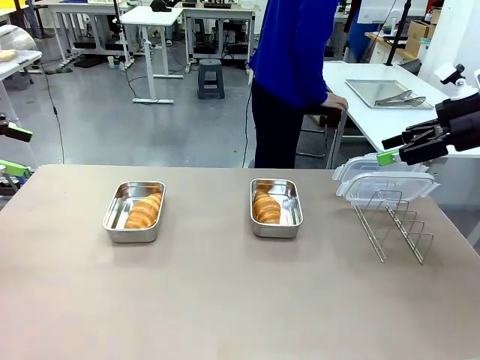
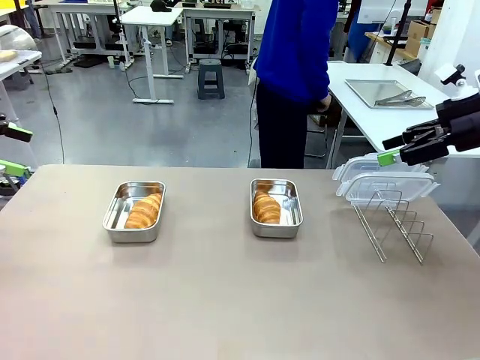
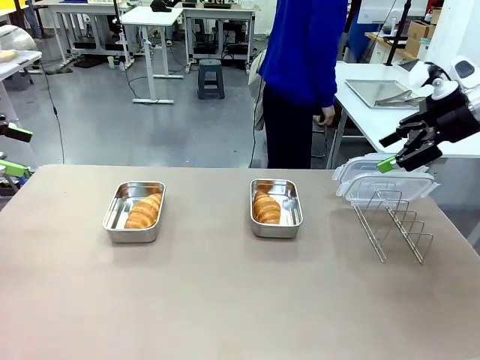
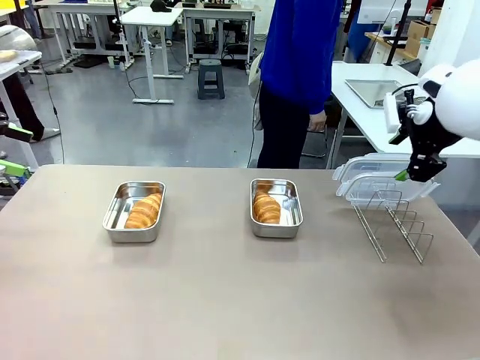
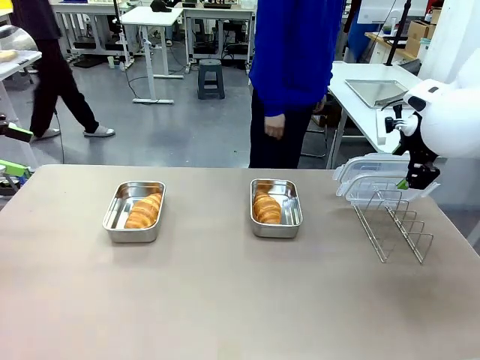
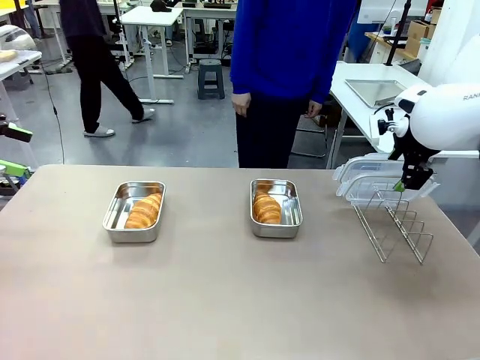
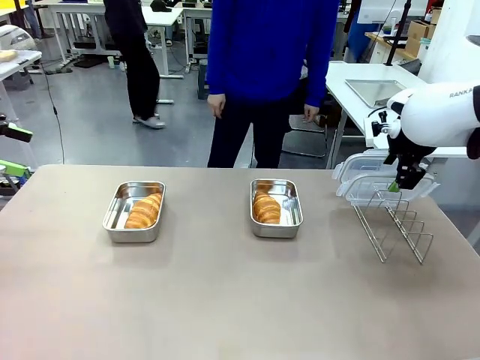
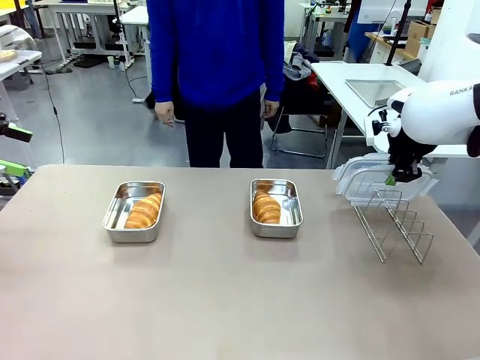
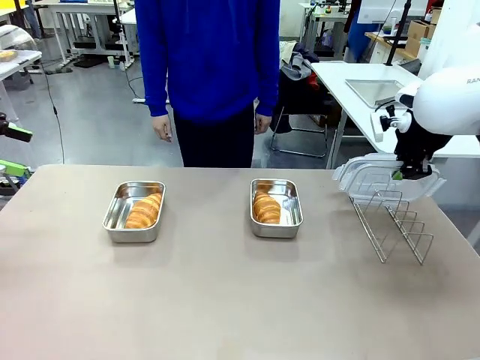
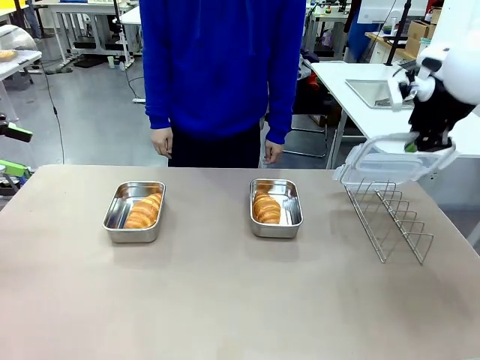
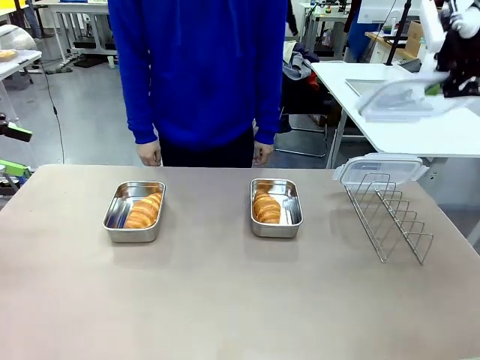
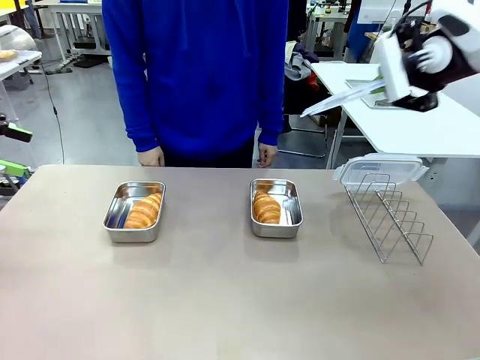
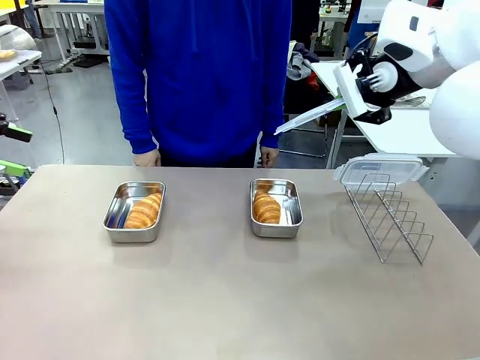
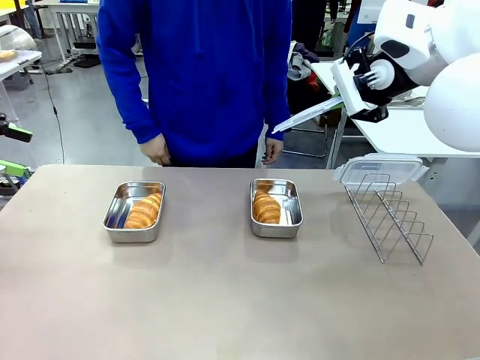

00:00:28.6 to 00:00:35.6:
Task: Place the bread in airtight containers.
Robot: Pick up one Airtight Container lid and hand it to the human.
Person: Grip Airtight Container lid that robot is handing.

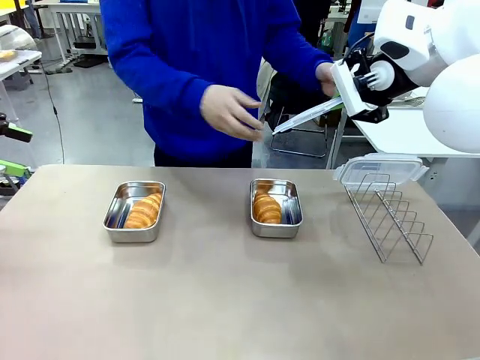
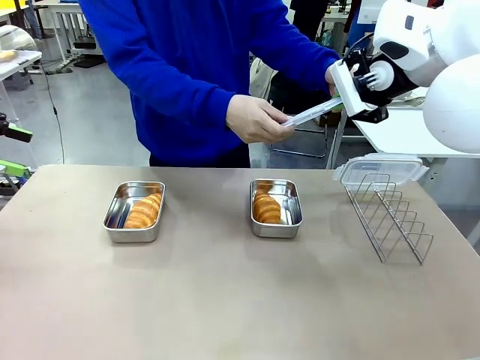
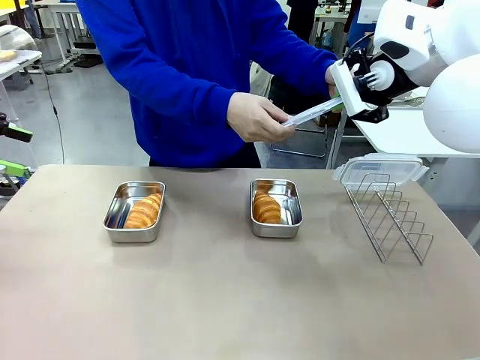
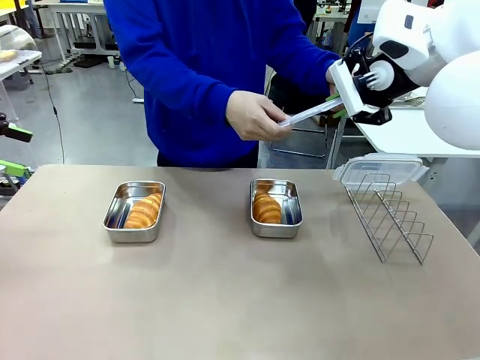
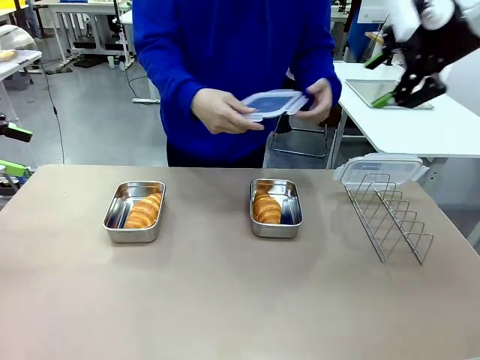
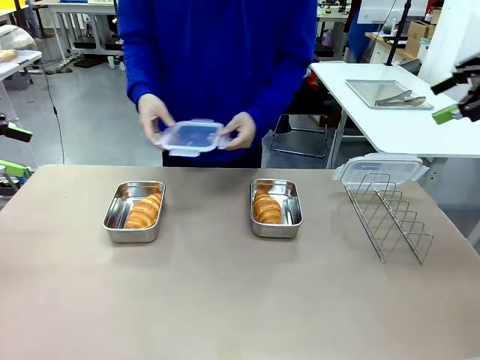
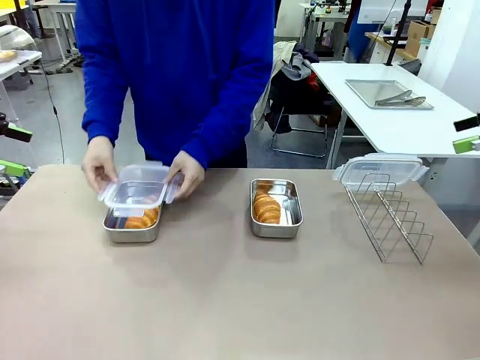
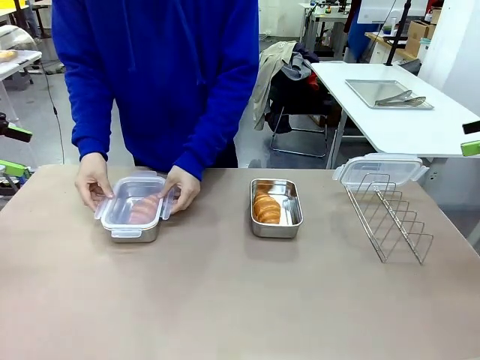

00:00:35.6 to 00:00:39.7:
Robot: Release when the human grabs the Airtight Container lid.

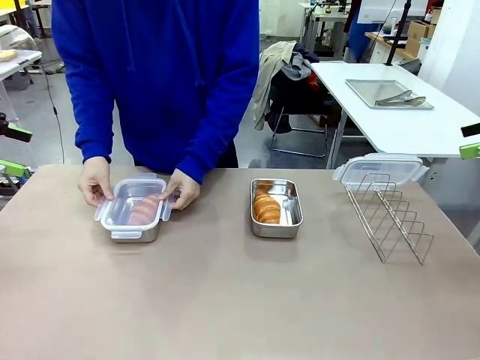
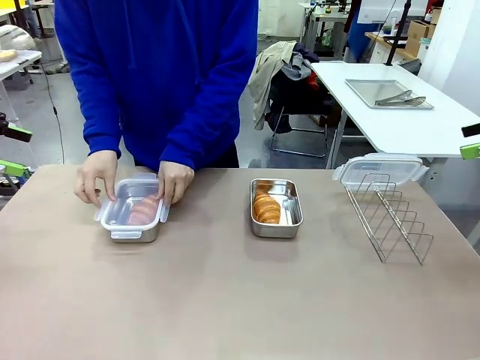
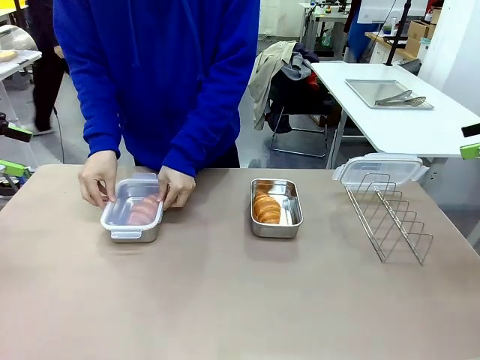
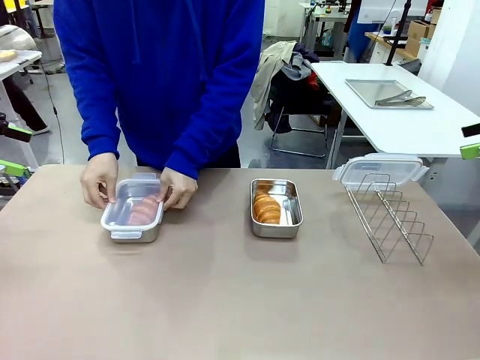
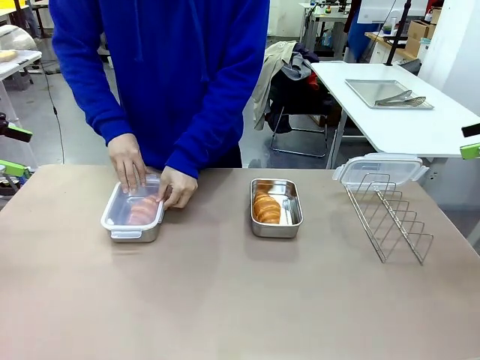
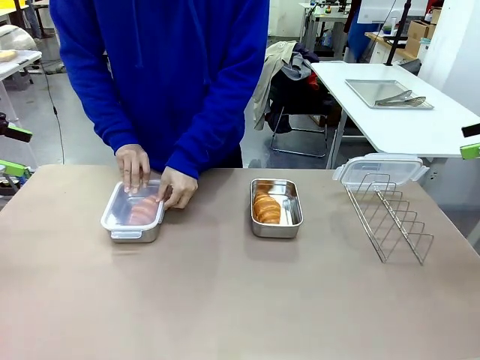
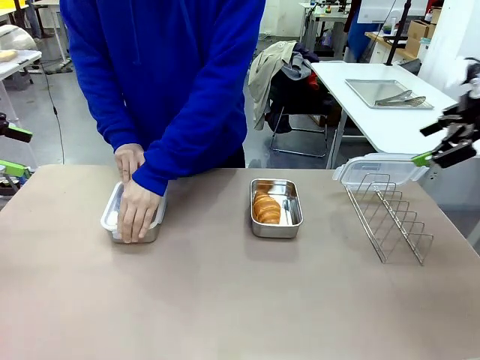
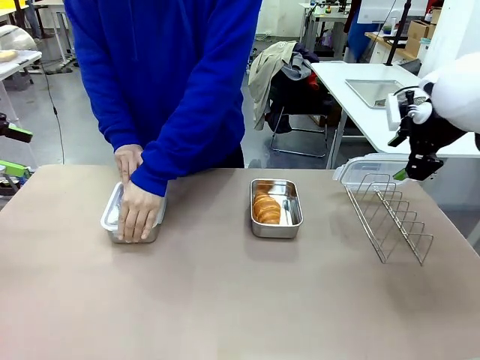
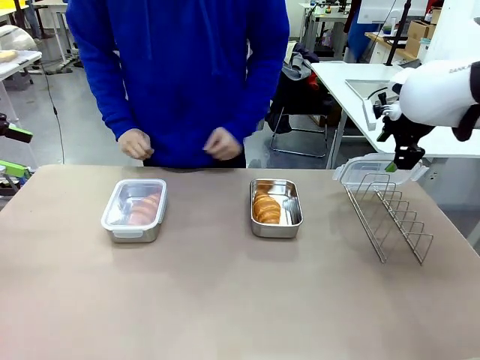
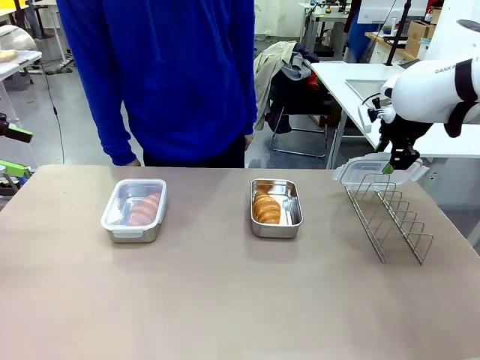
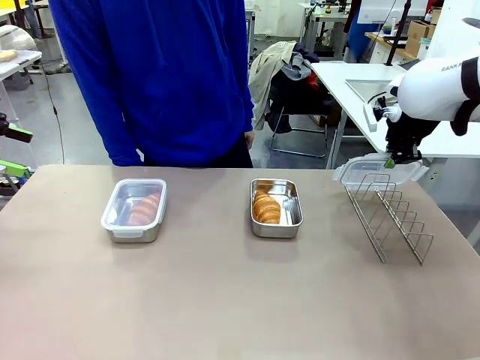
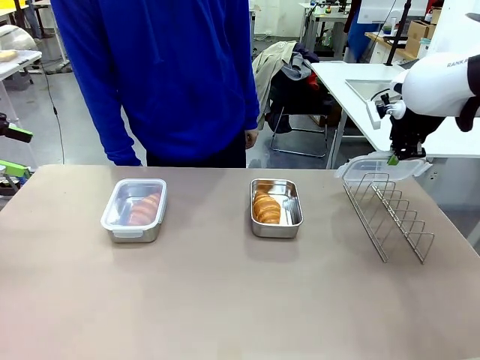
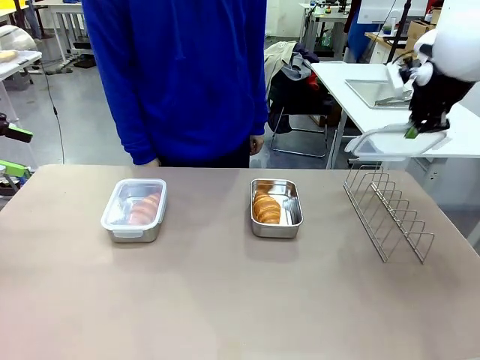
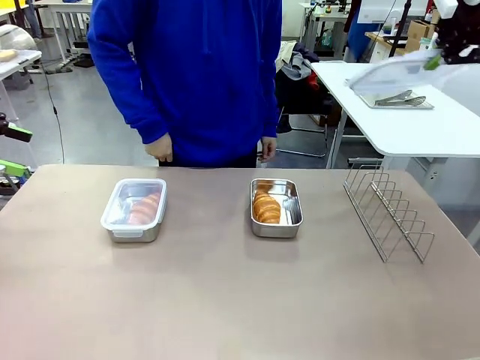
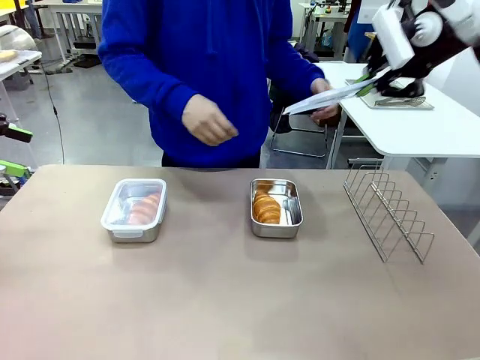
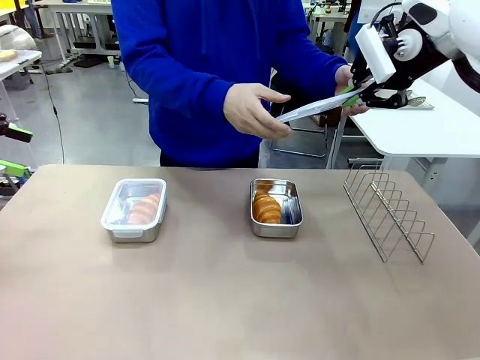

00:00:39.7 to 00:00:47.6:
Robot: Pick up one Airtight Container lid and hand it to the human.
Person: Close Airtight Container with a handed Airtight Container lid. Grip Airtight Container lid that robot is handing.

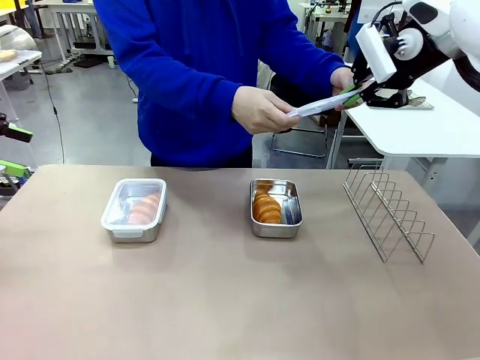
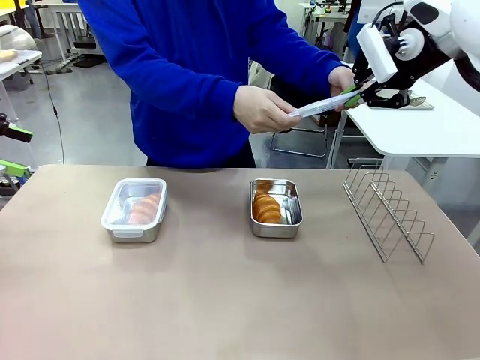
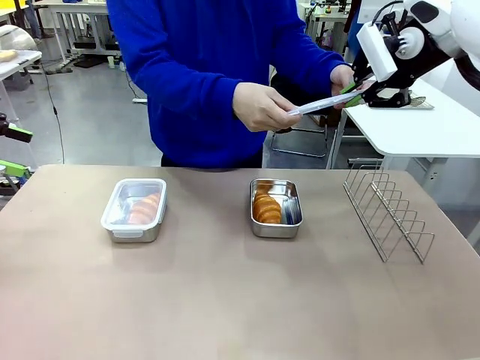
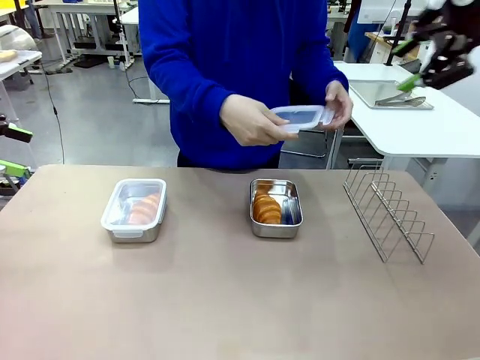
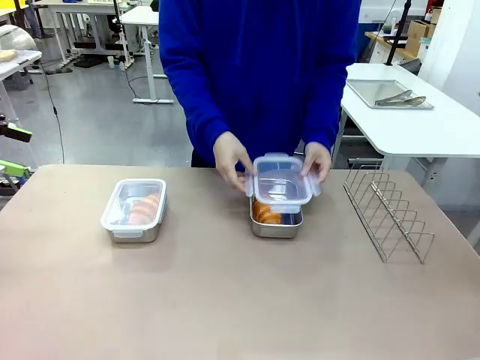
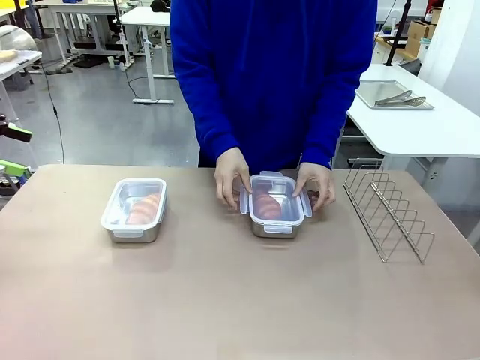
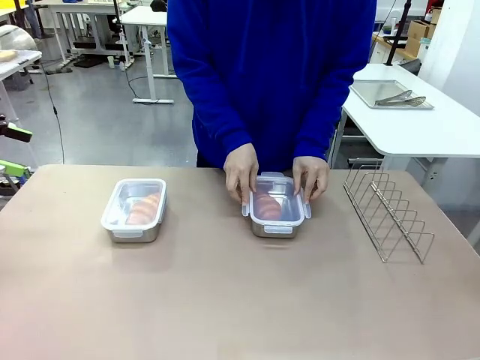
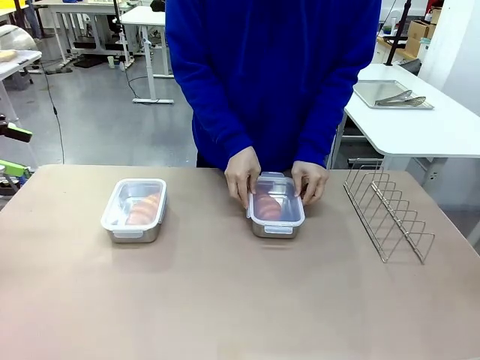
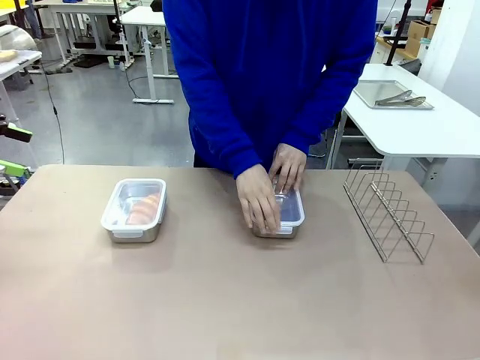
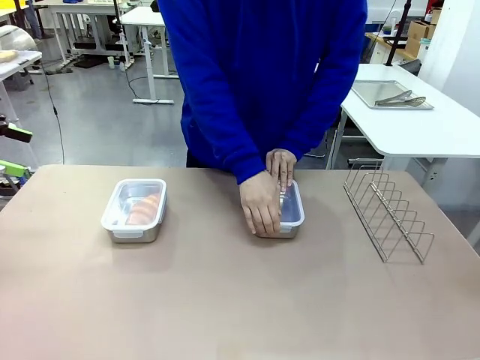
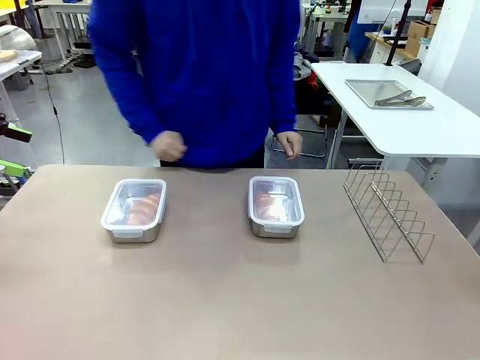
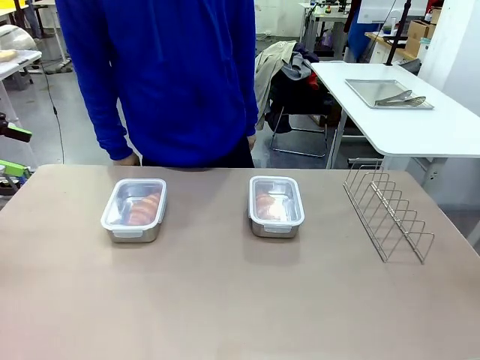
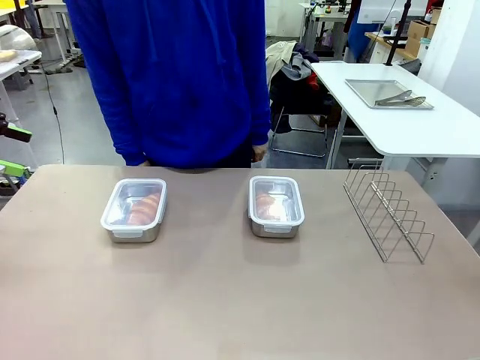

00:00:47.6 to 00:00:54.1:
Robot: Release when the human grabs the Airtight Container lid.
Person: Close Airtight Container with a handed Airtight Container lid.

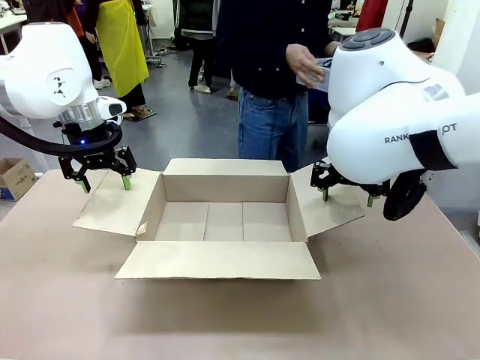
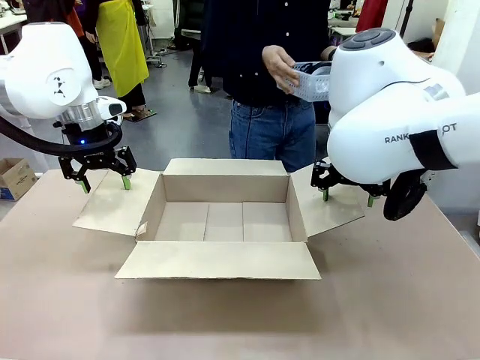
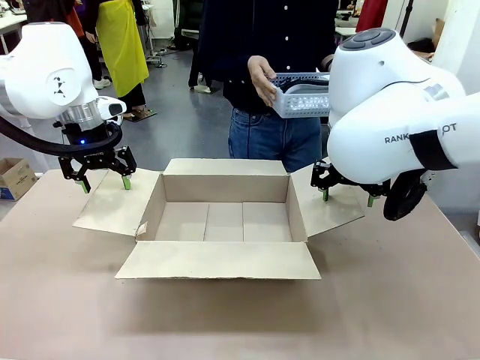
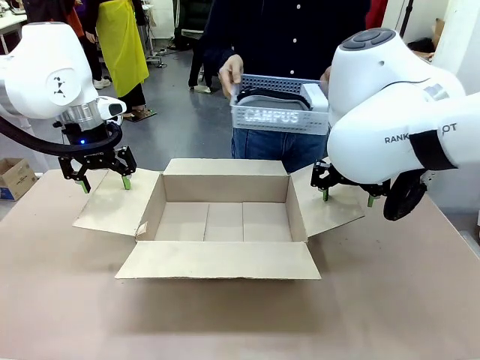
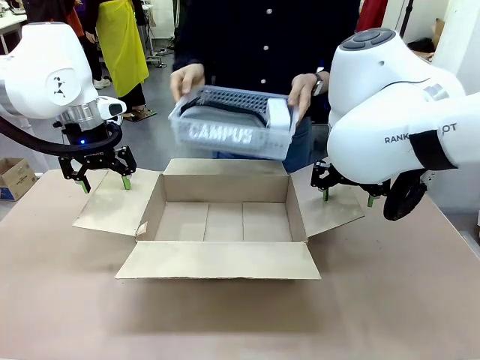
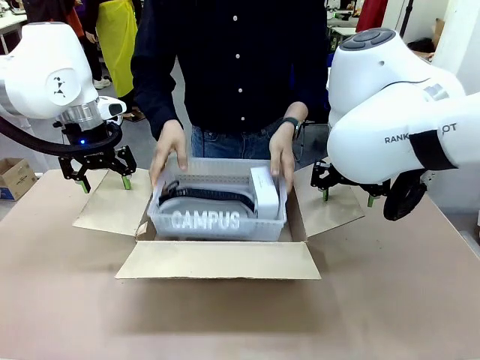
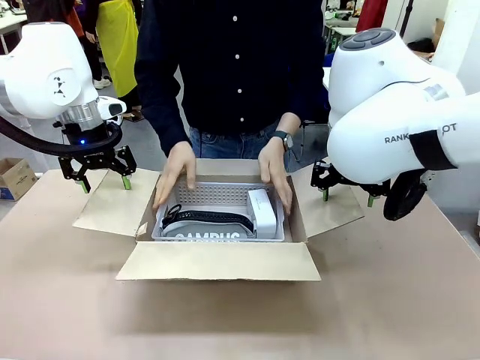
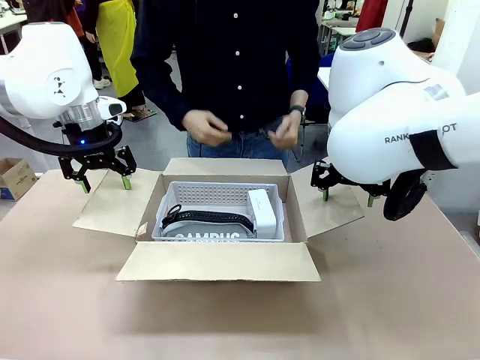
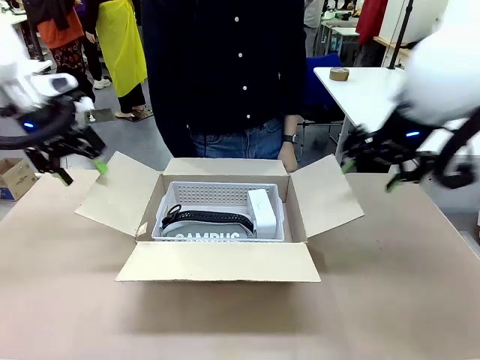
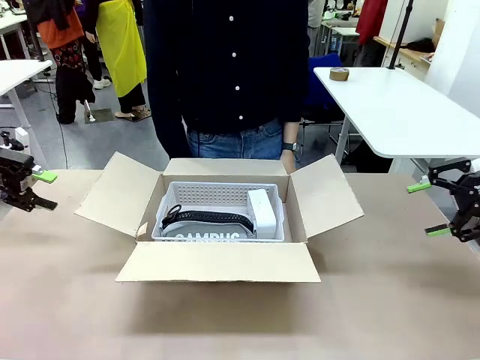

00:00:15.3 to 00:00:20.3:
Task: Pack the gift set into the box.
Robot: Lift both hands away from the flaps of the Package Box.
Person: The human picks up the organizing basket and places the organizing basket into the package box on the robot table.
